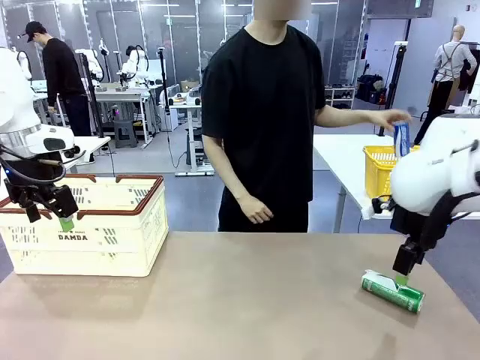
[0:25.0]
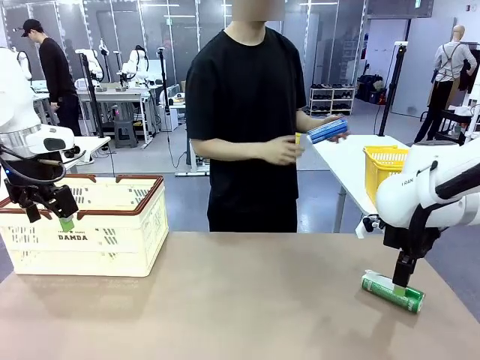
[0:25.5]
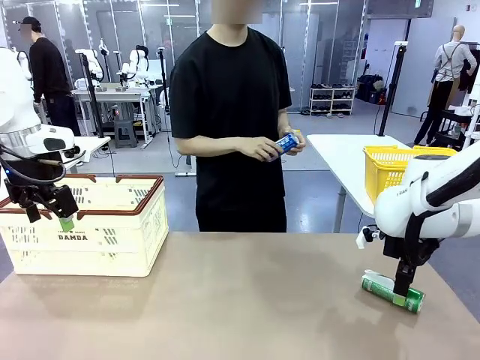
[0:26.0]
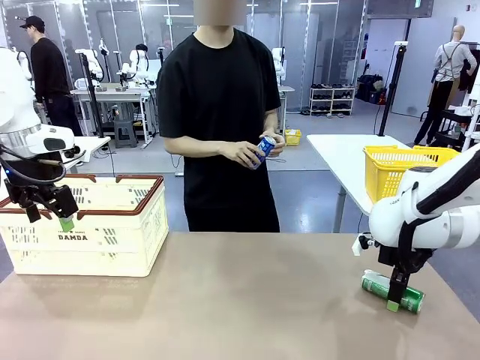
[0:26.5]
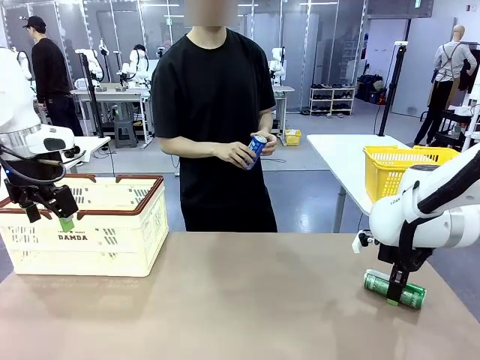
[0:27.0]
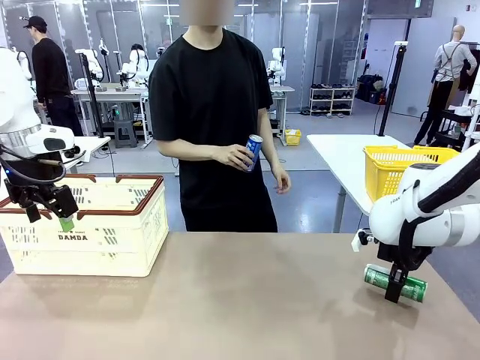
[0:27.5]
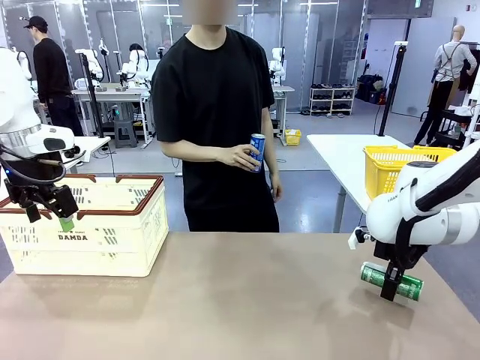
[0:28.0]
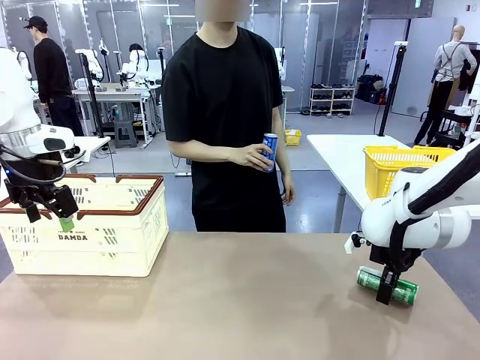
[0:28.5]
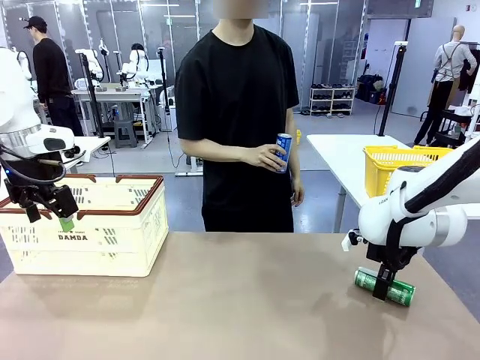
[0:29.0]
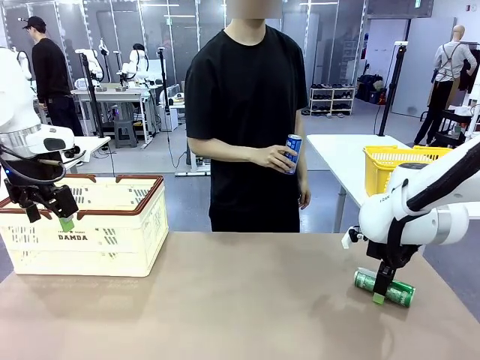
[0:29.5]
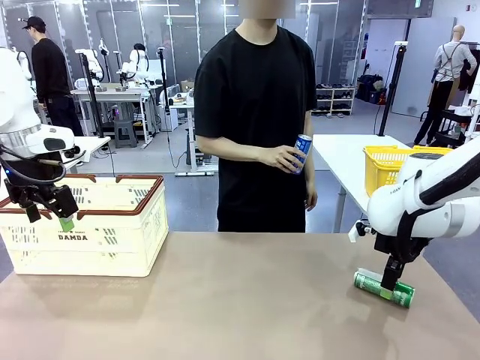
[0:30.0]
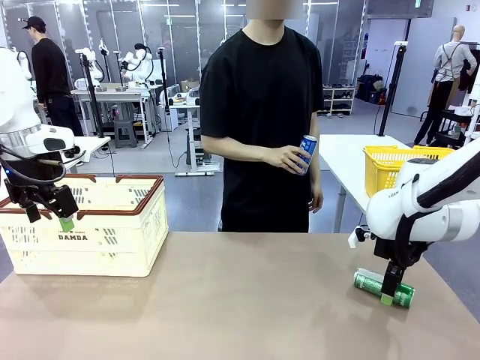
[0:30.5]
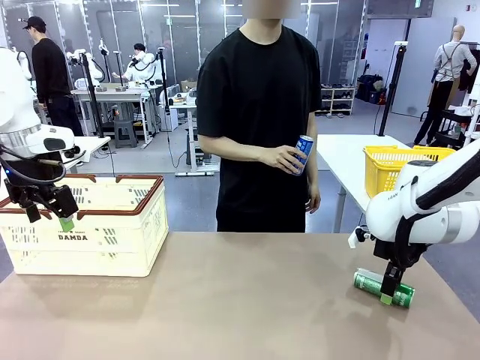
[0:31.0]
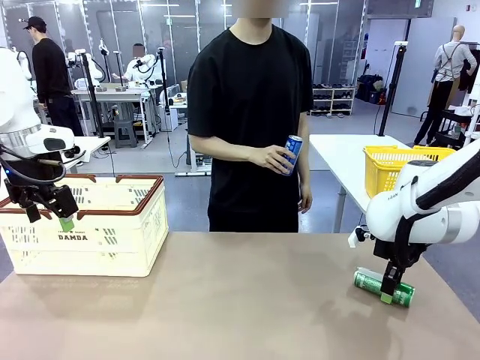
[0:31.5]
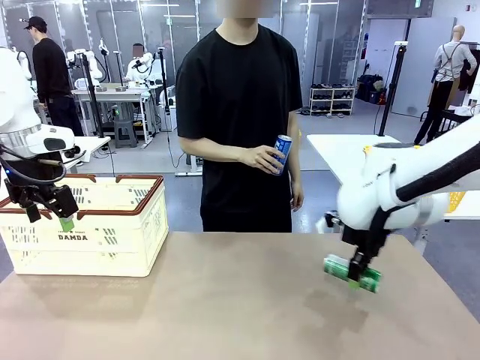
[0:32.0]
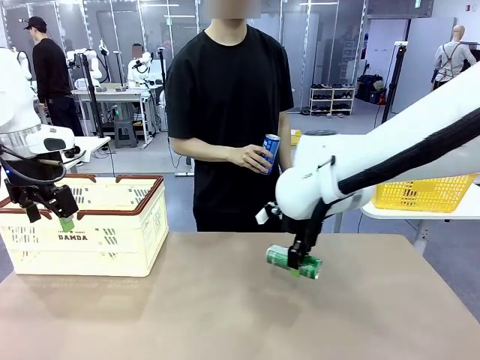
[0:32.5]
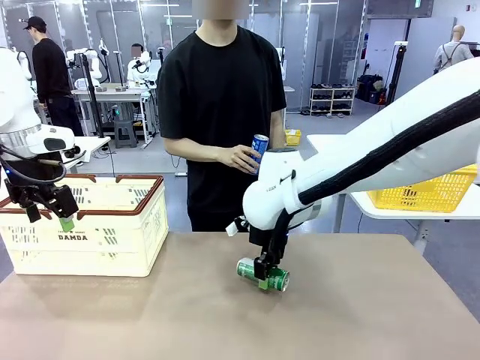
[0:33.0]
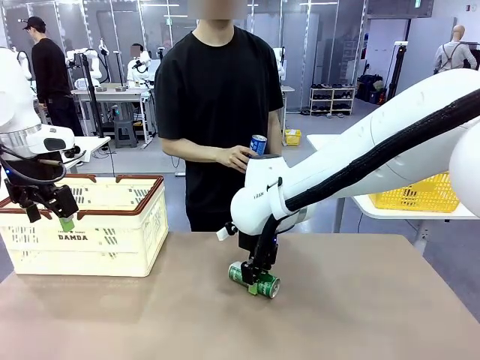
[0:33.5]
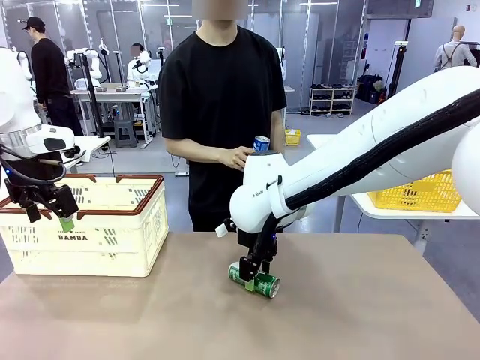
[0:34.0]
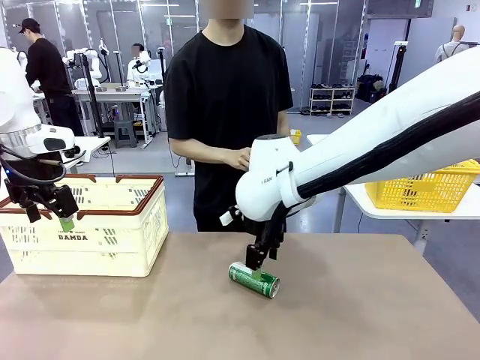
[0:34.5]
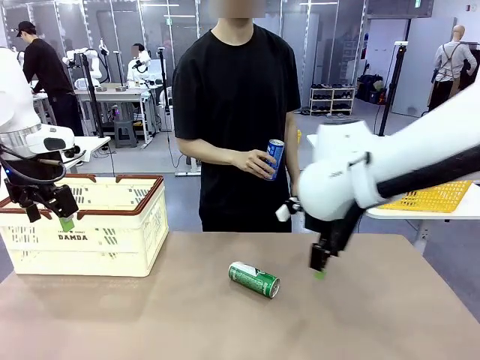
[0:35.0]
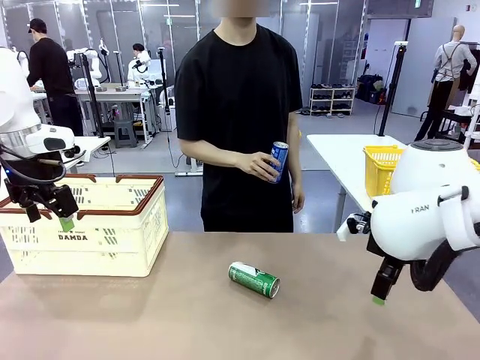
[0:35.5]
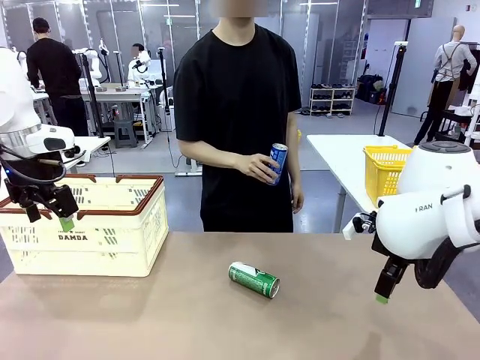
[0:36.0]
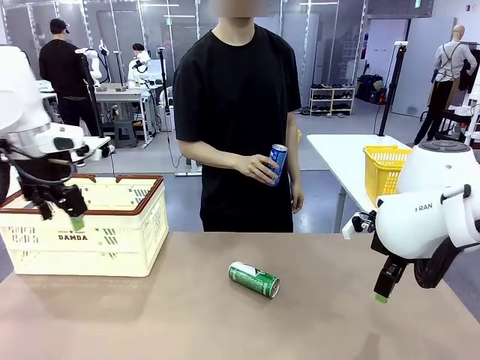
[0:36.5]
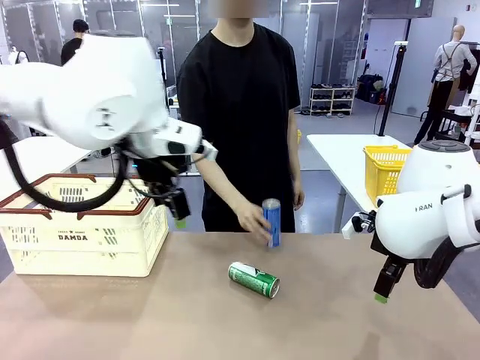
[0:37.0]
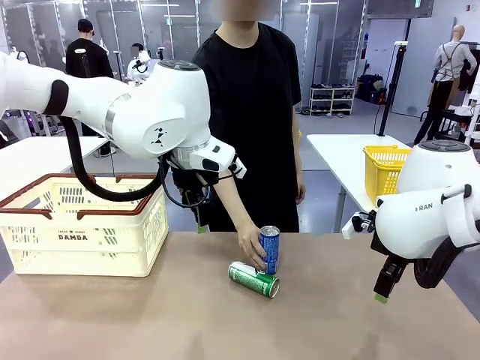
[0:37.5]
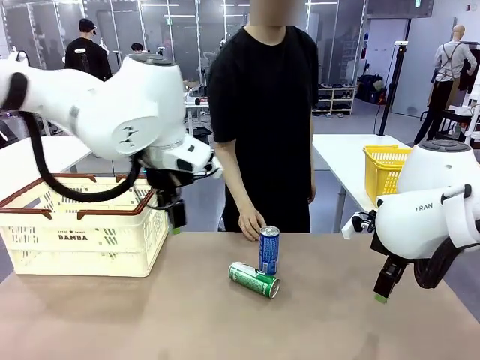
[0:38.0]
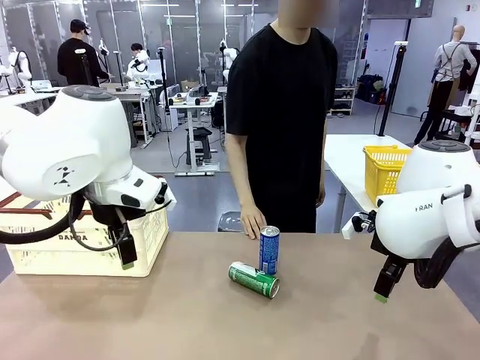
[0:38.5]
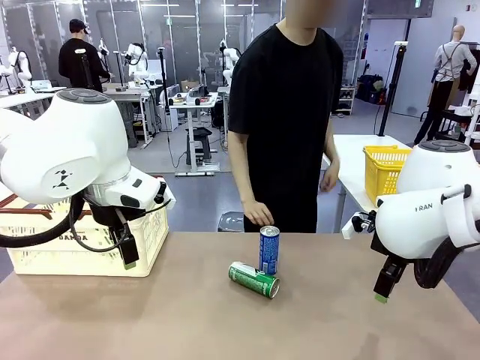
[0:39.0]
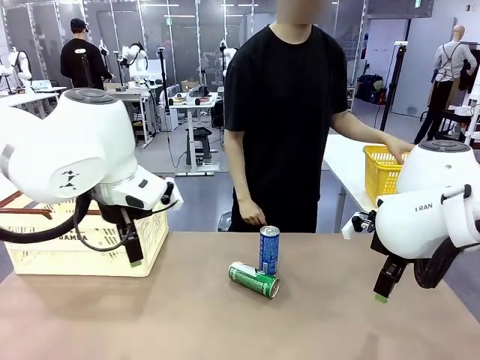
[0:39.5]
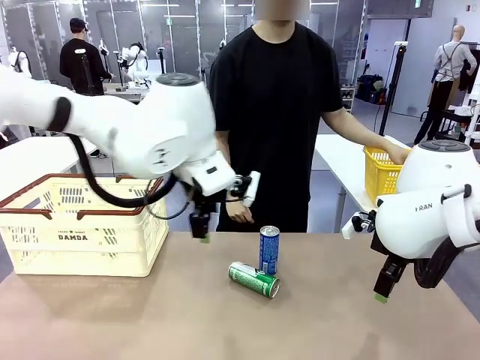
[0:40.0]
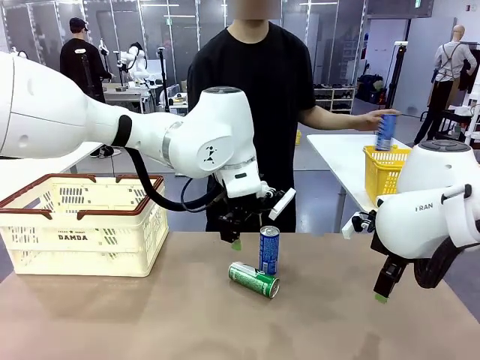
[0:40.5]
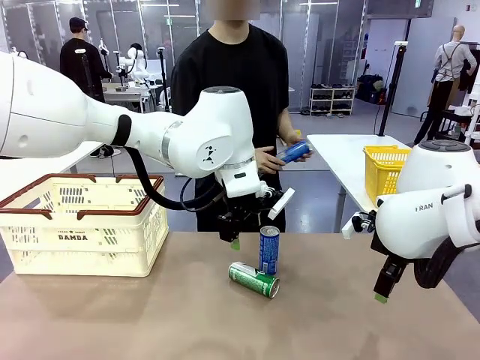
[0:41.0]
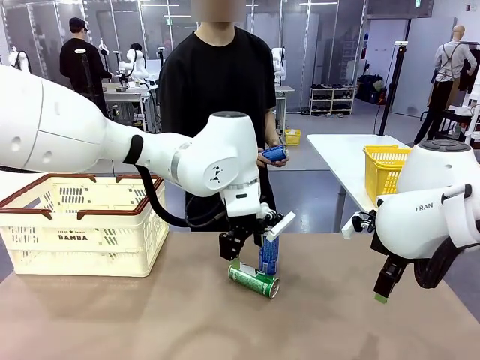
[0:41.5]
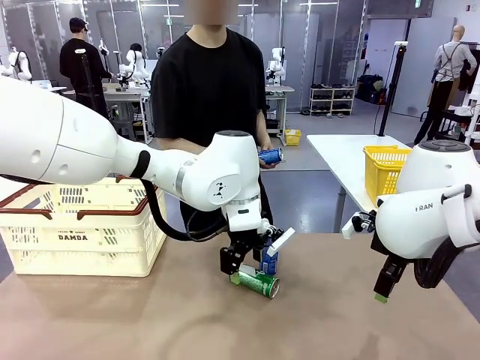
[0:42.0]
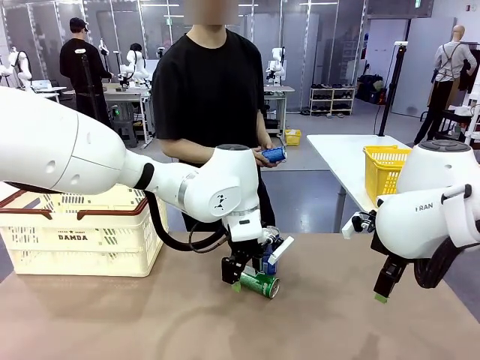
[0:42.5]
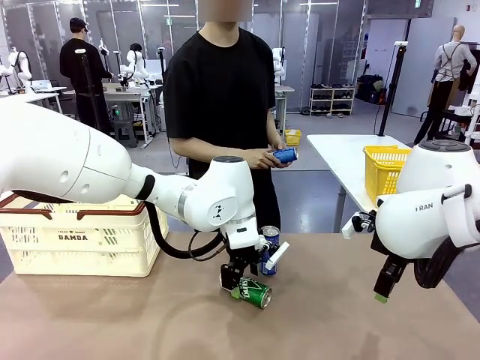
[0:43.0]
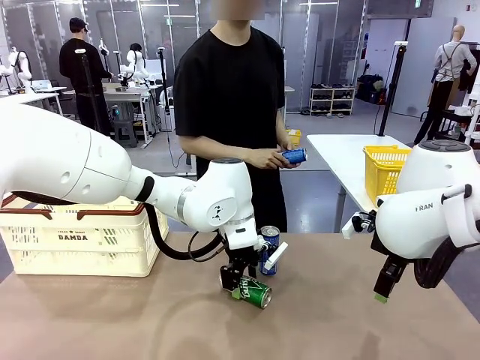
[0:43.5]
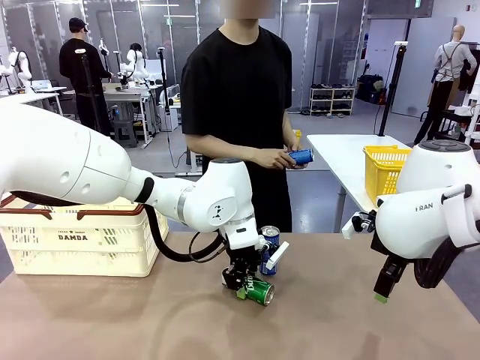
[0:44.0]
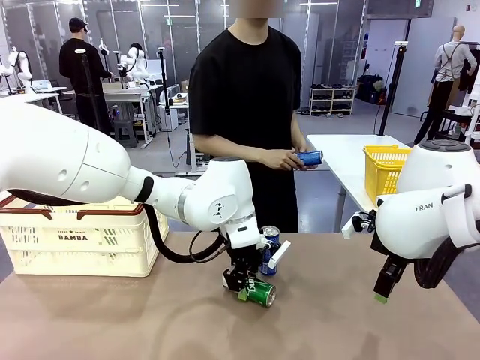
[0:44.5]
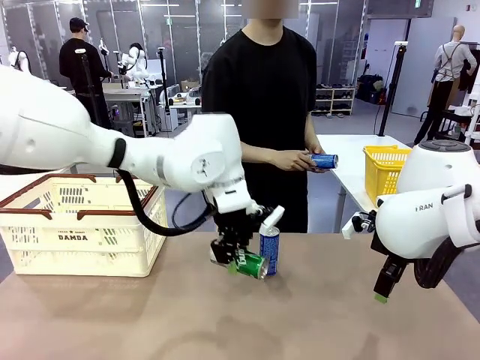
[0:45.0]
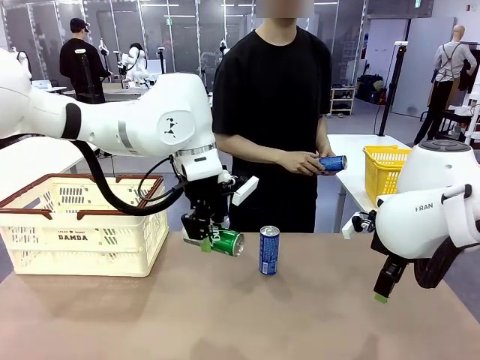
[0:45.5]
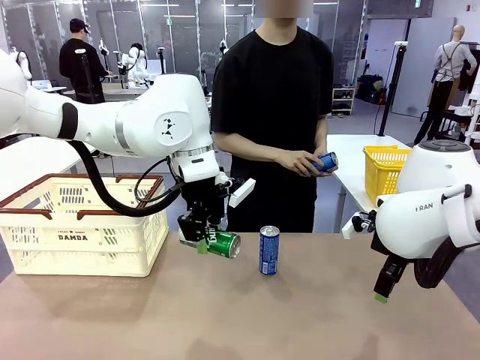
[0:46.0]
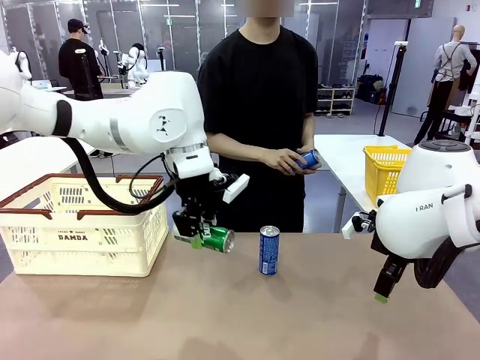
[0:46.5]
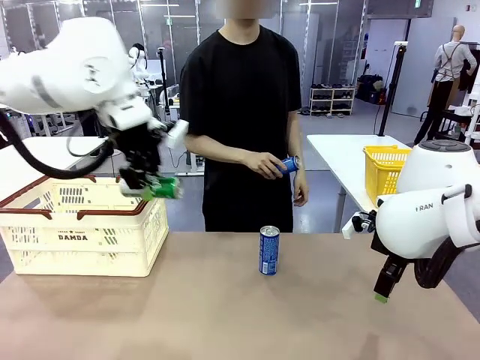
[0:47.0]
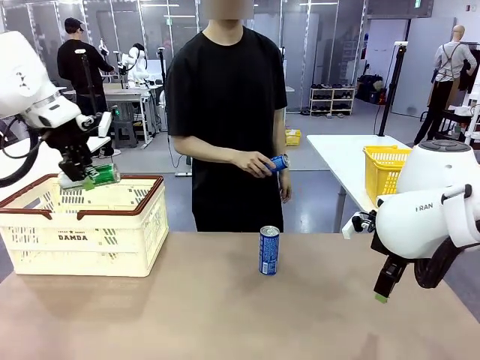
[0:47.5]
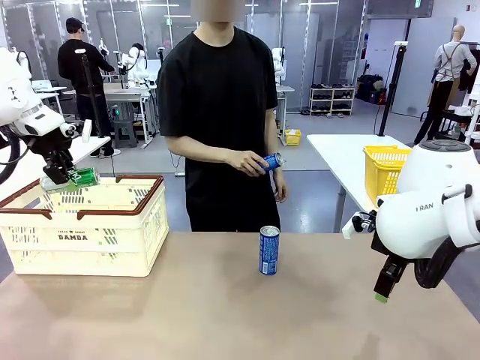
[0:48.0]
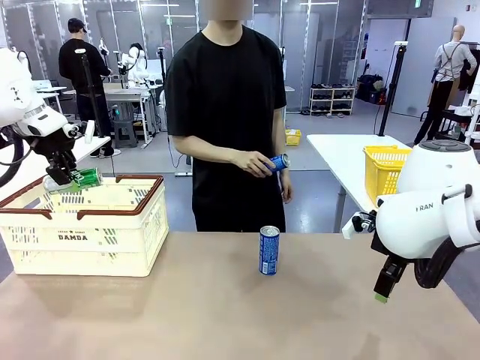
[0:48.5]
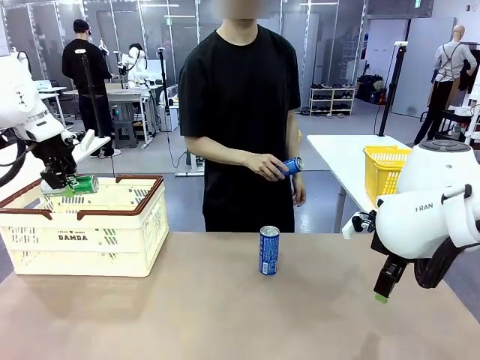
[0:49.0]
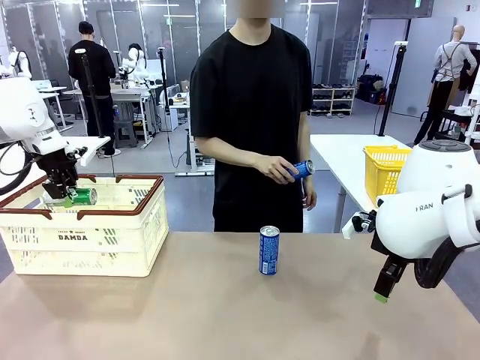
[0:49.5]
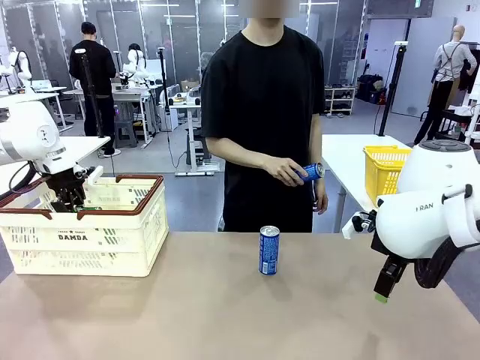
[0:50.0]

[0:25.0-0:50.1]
Task: Place the drinks into the Shopping basket.
Robot: Pick up one drink and place it into the Shopping basket.
